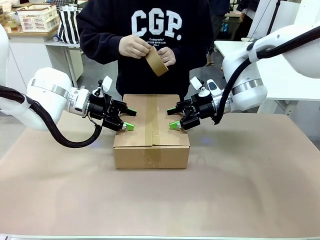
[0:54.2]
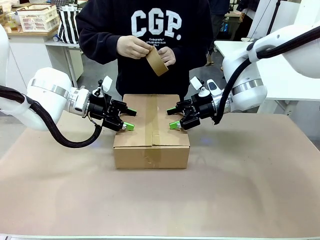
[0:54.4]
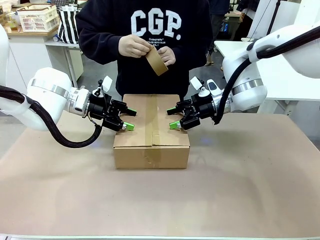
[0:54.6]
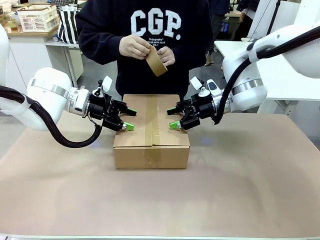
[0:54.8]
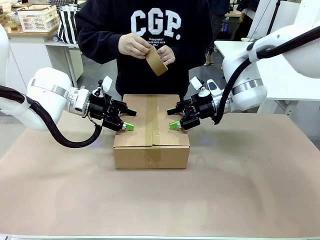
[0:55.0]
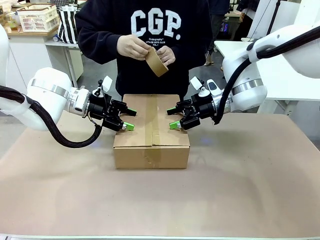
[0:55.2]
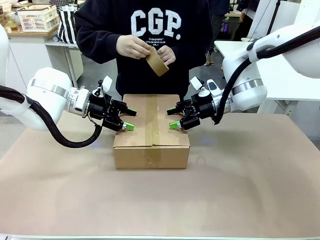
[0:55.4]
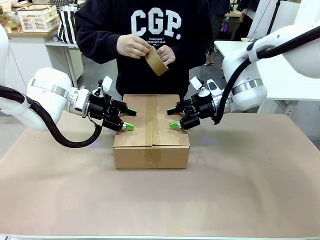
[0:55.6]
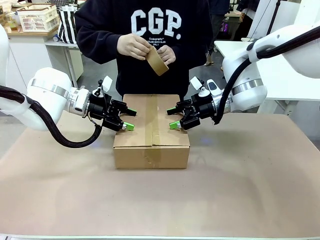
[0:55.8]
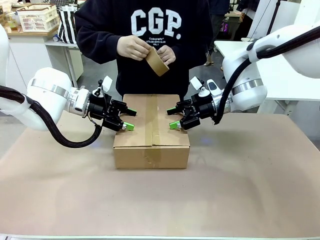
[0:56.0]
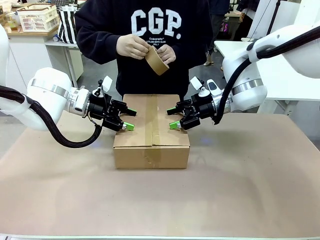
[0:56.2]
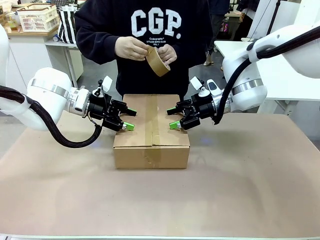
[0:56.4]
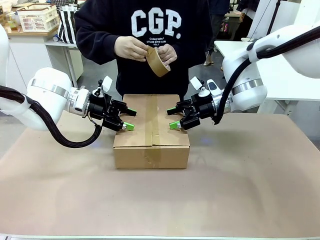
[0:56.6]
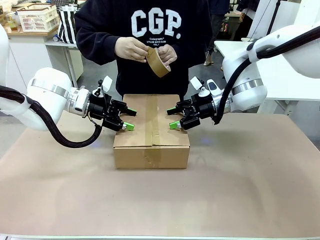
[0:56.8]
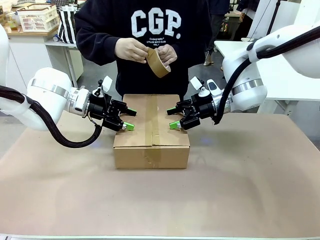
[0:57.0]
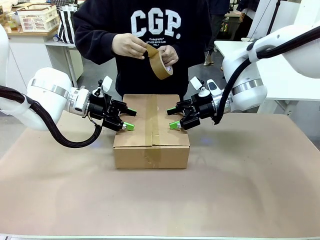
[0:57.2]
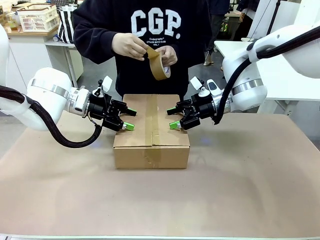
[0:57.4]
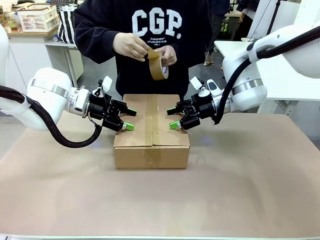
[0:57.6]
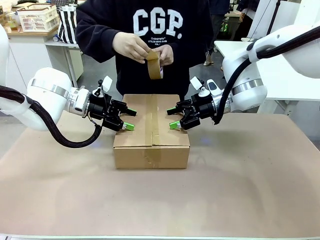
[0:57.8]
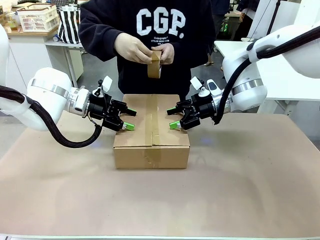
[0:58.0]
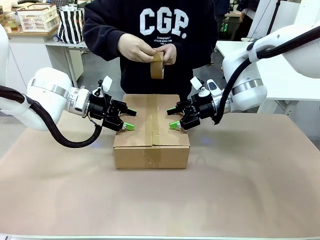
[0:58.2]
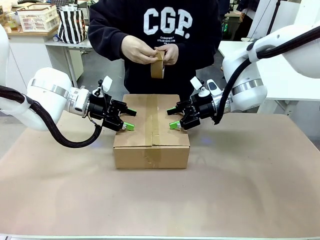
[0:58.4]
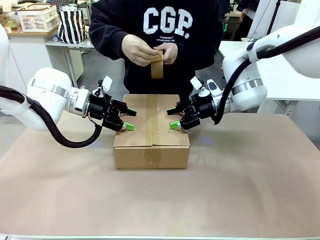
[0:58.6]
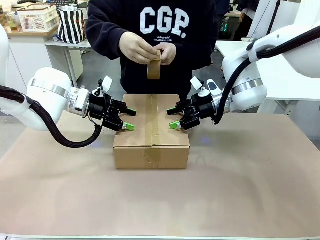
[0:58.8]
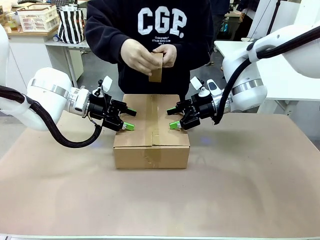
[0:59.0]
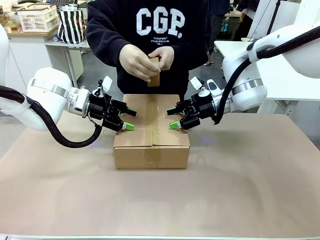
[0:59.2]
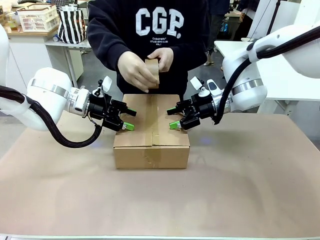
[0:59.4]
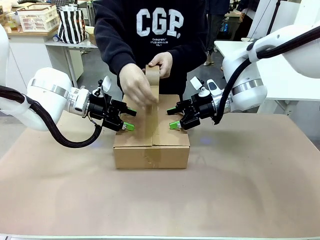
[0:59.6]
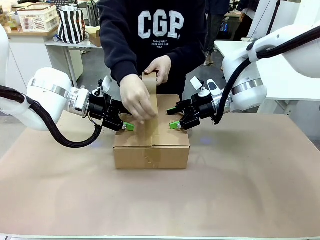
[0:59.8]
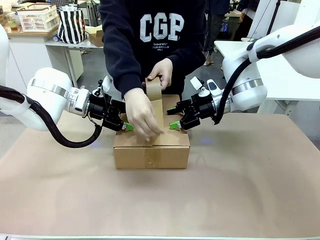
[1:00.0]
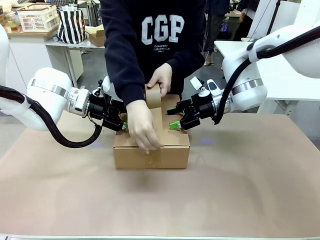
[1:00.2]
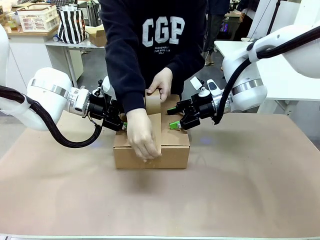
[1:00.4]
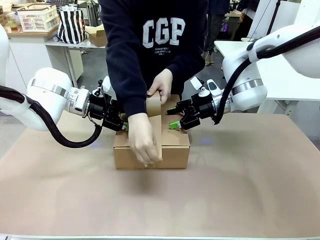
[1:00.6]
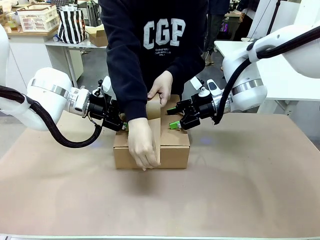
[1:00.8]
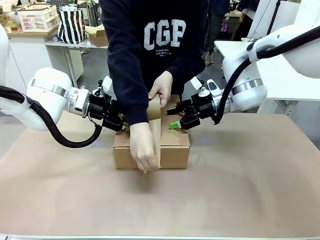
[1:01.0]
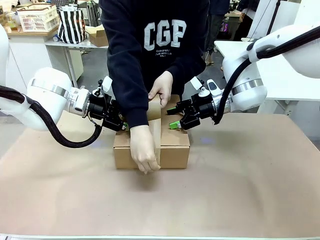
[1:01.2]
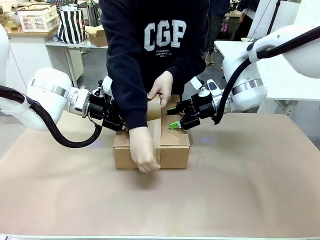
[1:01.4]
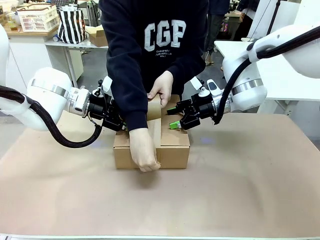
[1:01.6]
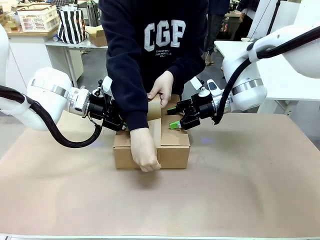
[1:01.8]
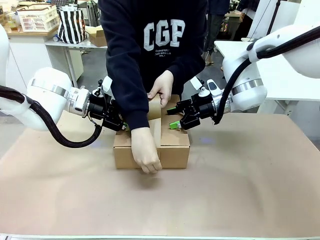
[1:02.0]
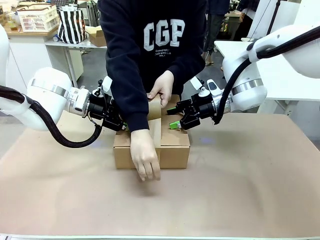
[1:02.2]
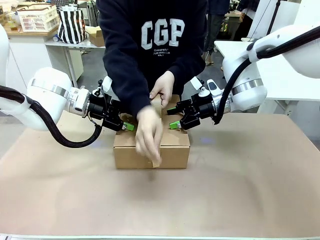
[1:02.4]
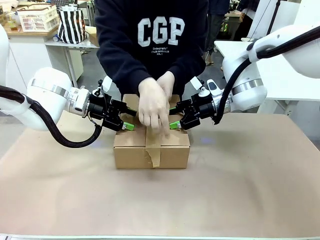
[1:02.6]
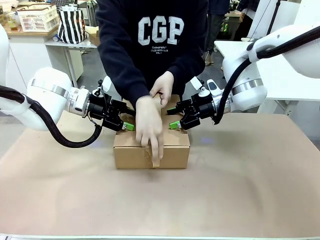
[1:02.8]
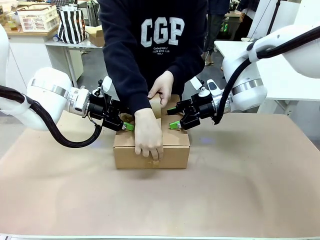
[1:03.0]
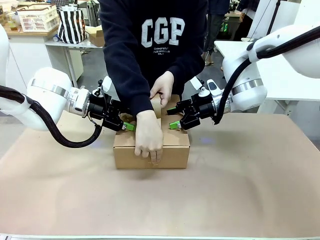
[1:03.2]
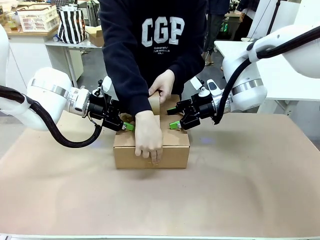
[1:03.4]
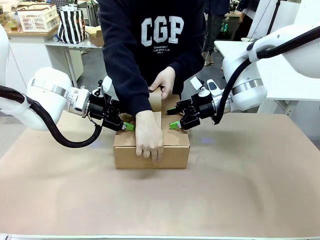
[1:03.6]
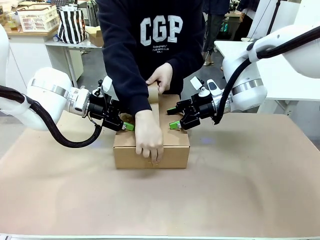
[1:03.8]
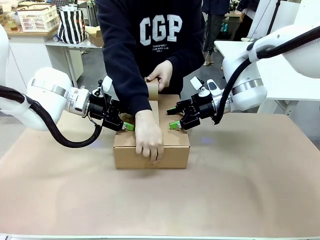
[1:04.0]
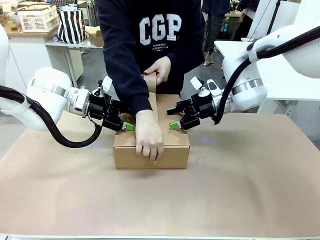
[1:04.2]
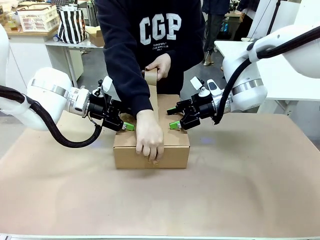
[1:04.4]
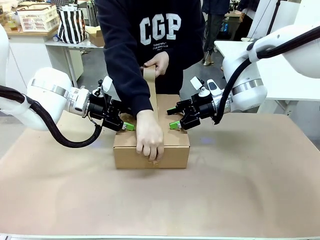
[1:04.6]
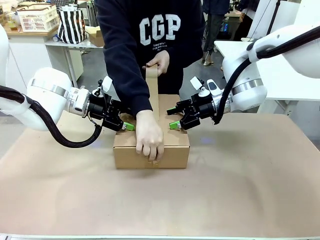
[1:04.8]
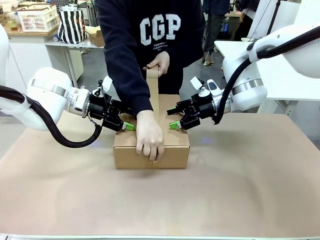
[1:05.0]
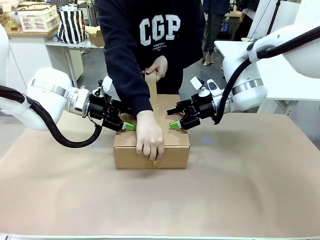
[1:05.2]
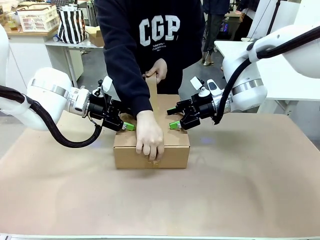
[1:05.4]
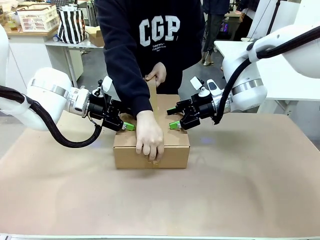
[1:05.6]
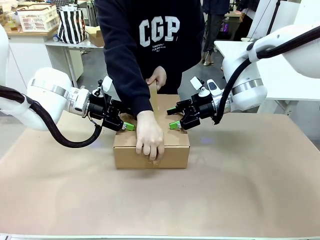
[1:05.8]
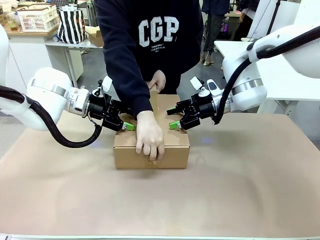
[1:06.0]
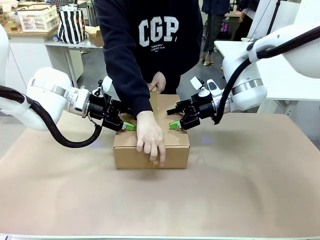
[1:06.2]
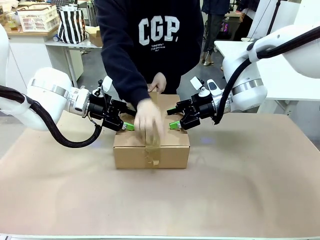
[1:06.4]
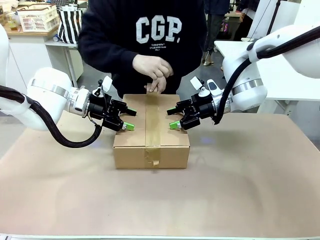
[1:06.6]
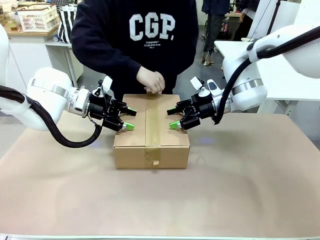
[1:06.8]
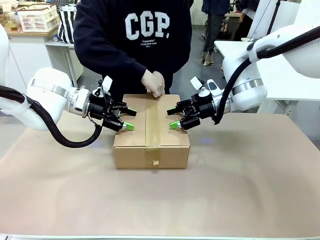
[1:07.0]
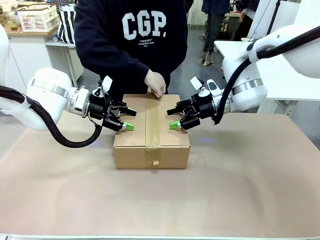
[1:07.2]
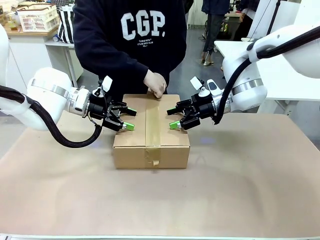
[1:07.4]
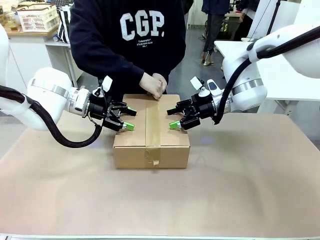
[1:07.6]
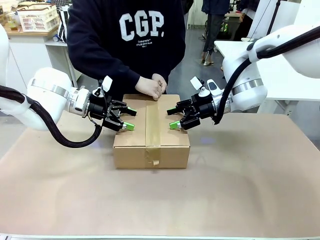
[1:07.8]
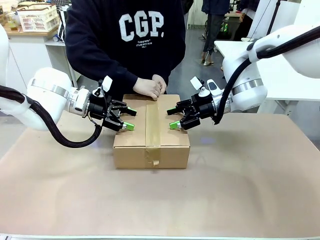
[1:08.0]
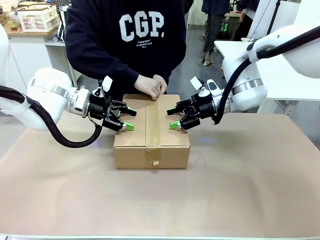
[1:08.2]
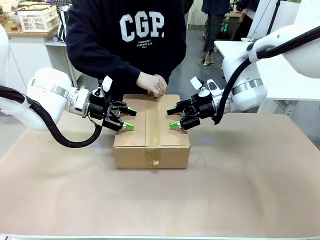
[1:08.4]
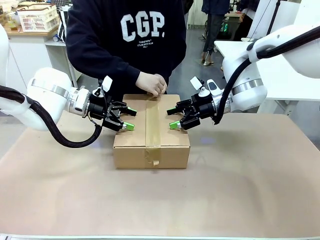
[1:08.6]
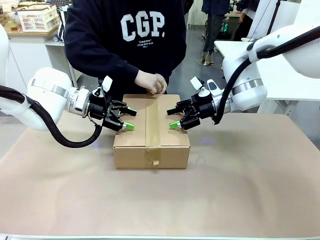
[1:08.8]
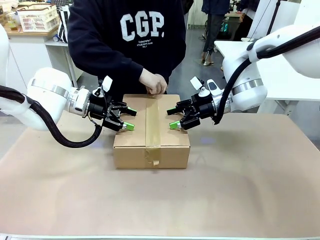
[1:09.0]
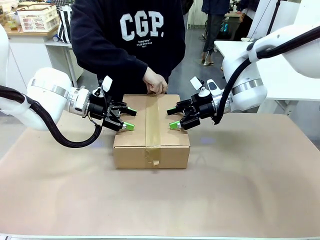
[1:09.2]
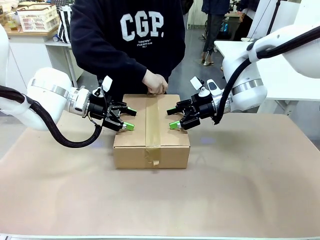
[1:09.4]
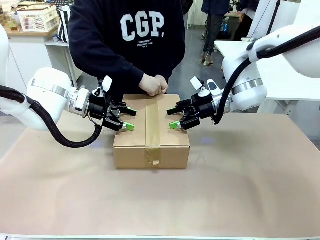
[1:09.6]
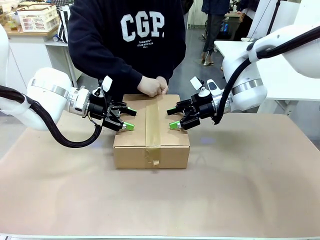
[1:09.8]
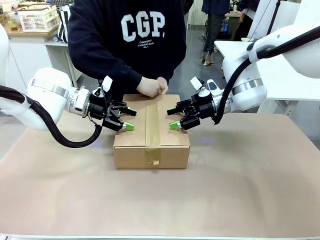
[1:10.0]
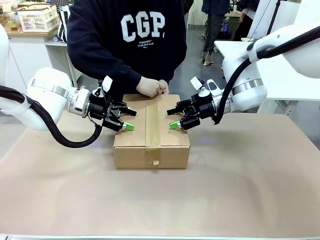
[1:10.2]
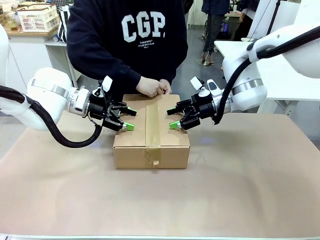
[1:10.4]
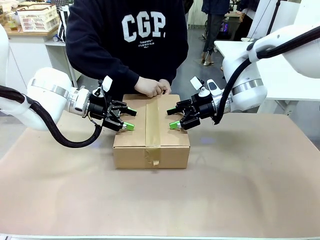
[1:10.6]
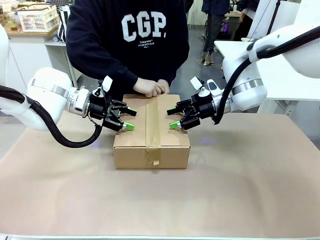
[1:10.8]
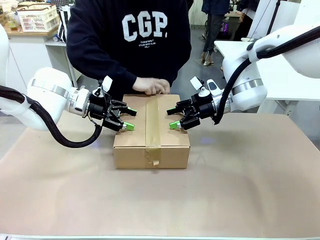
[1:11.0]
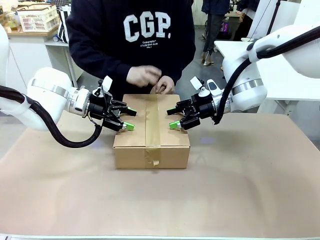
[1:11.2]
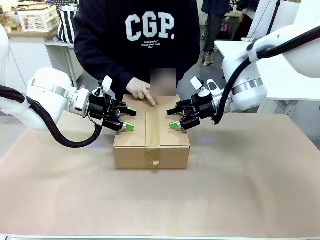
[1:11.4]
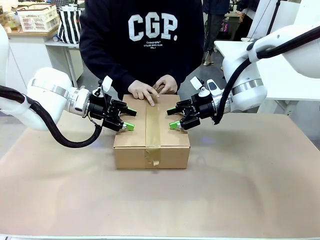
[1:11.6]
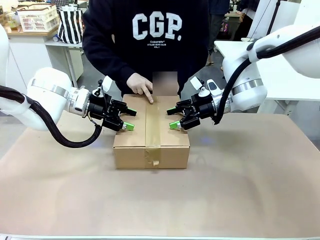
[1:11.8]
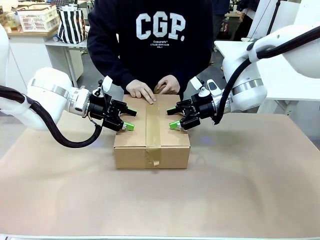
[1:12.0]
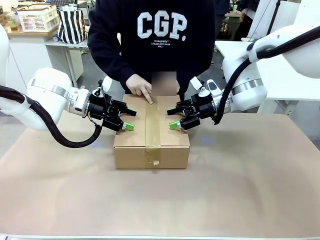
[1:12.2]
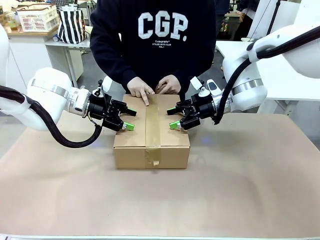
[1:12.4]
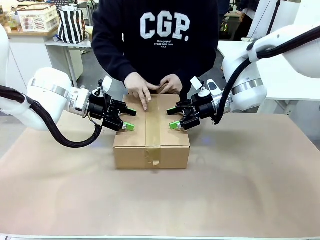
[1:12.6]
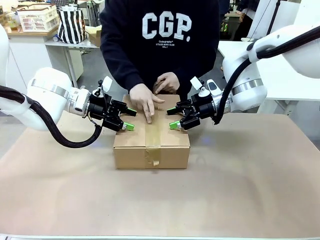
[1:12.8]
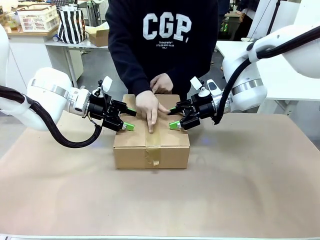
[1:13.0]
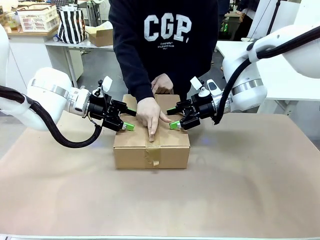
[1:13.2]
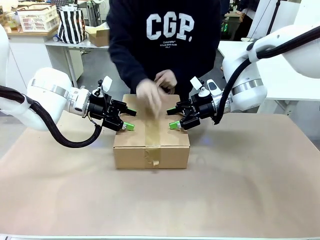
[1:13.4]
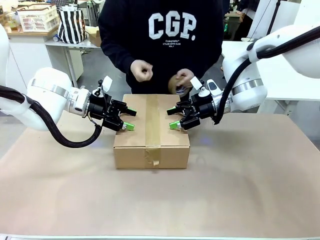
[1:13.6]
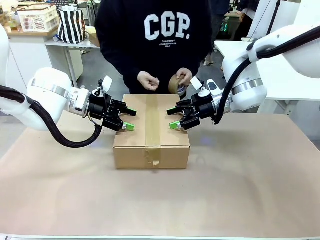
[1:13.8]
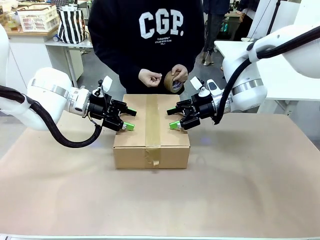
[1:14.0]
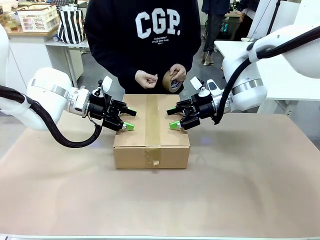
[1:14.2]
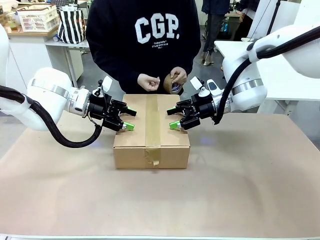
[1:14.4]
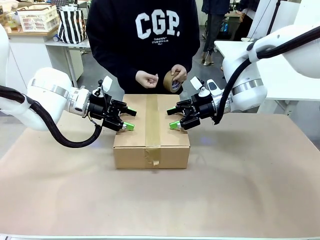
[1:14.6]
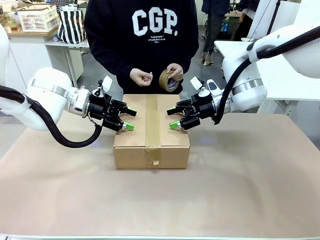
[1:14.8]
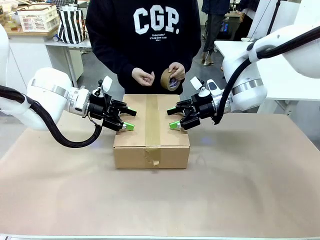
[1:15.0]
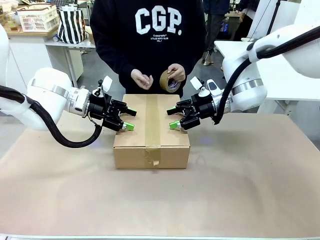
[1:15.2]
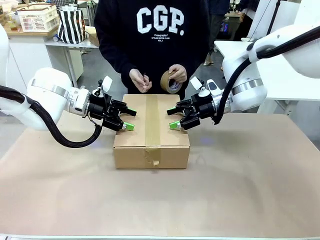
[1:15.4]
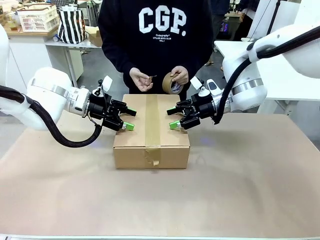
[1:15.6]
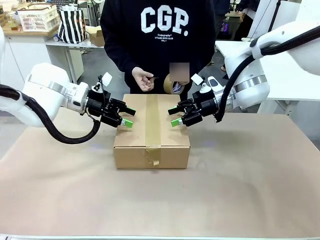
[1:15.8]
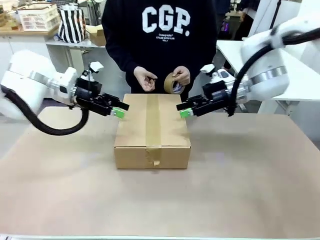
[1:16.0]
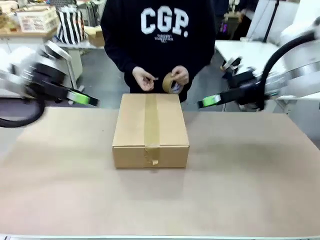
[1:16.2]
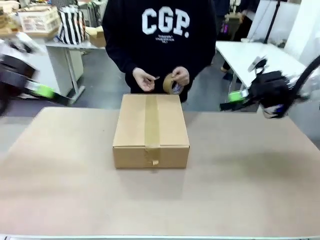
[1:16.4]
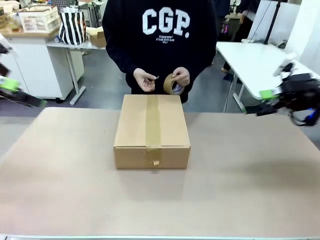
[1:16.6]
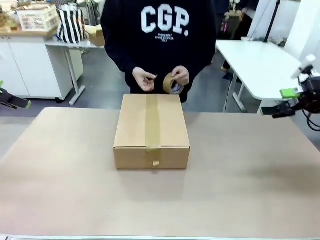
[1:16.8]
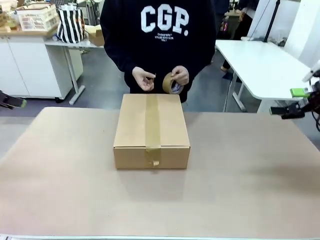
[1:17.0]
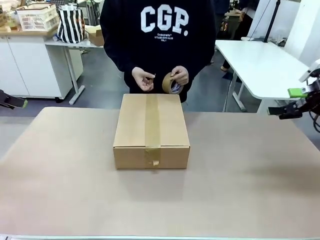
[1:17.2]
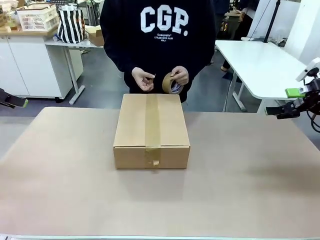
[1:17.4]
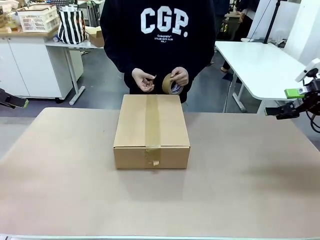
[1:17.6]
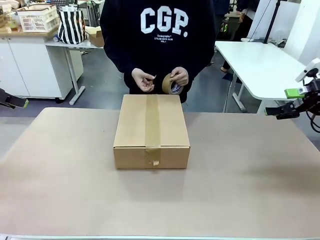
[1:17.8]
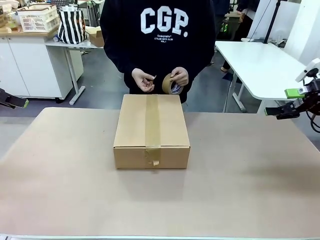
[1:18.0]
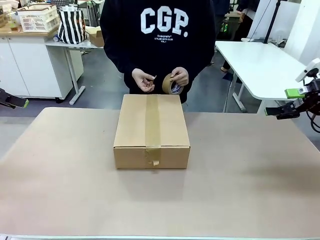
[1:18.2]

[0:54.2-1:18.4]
Task: Pack the gift set into the box.
Robot: Press and hold the closed box until the human finishes sealing it.
Person: The human picks up the paper tape from the human table and packs the box.
